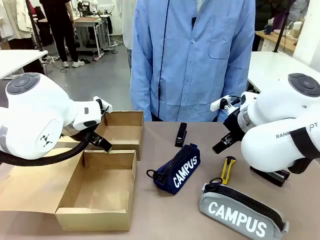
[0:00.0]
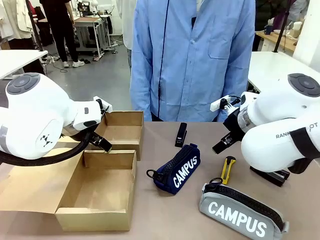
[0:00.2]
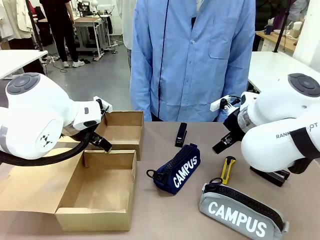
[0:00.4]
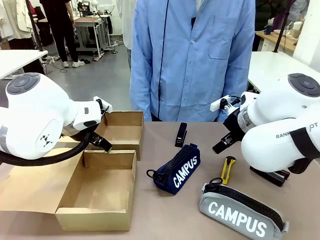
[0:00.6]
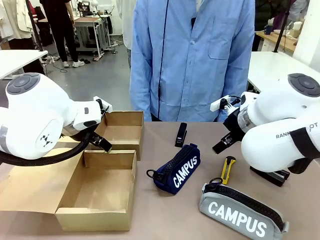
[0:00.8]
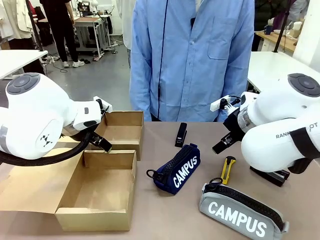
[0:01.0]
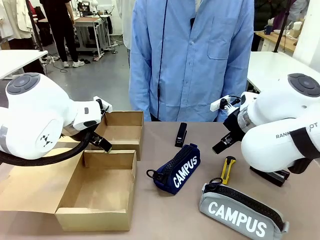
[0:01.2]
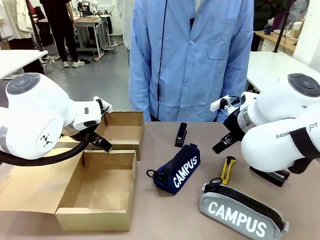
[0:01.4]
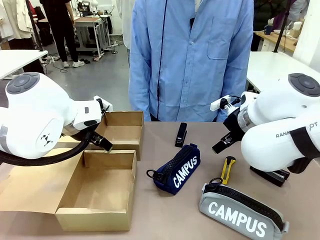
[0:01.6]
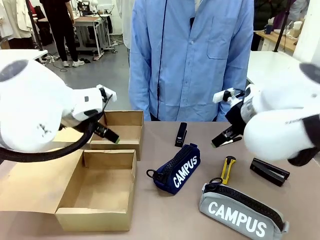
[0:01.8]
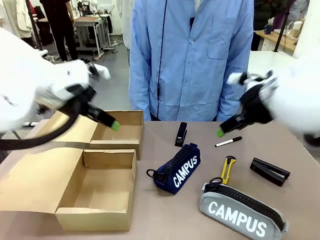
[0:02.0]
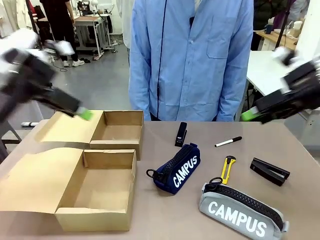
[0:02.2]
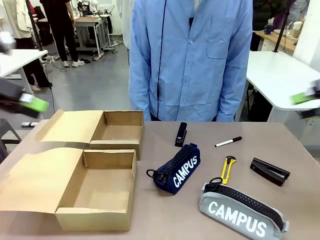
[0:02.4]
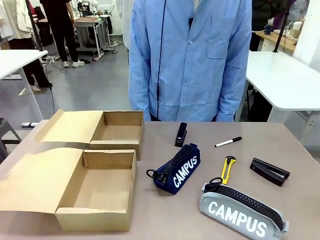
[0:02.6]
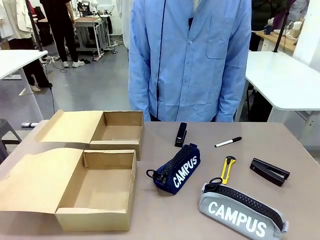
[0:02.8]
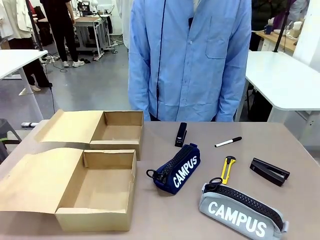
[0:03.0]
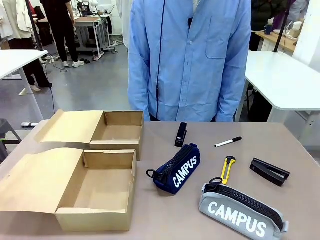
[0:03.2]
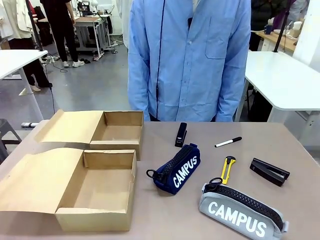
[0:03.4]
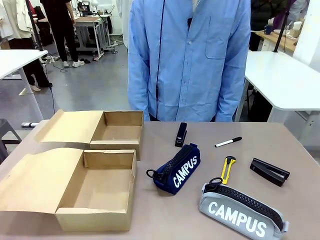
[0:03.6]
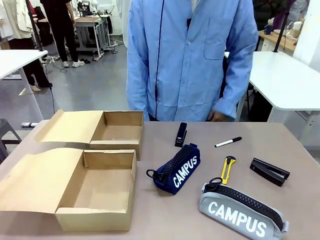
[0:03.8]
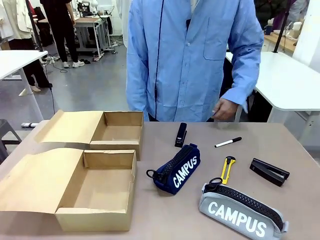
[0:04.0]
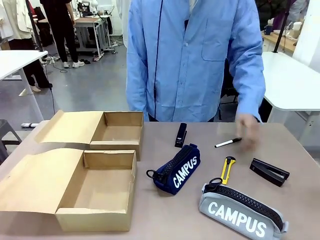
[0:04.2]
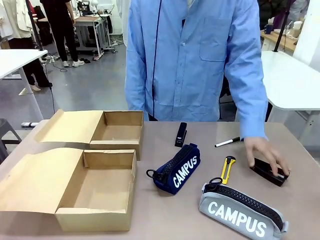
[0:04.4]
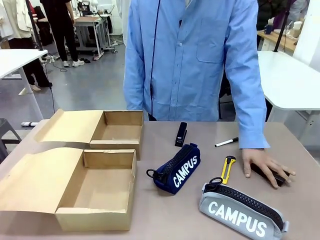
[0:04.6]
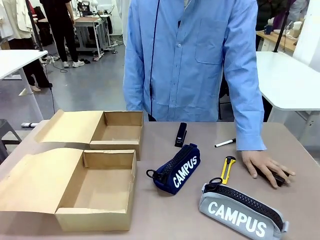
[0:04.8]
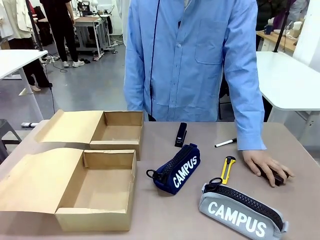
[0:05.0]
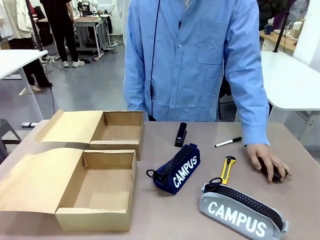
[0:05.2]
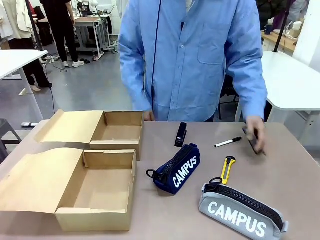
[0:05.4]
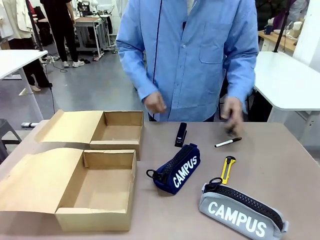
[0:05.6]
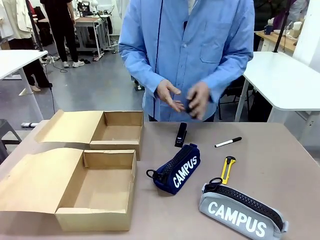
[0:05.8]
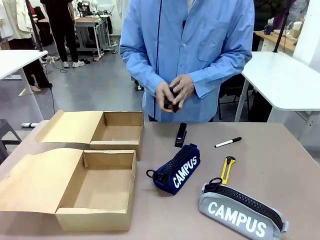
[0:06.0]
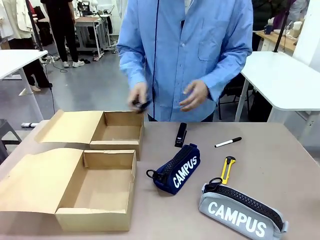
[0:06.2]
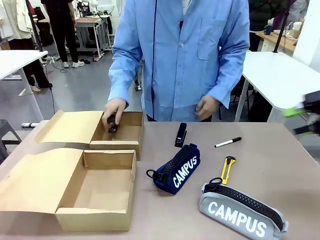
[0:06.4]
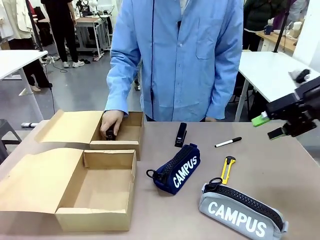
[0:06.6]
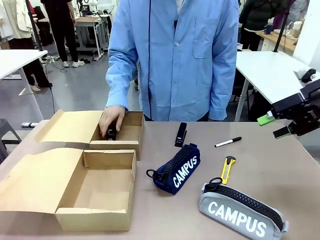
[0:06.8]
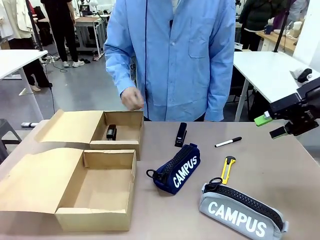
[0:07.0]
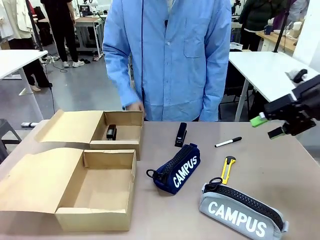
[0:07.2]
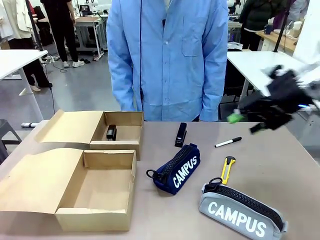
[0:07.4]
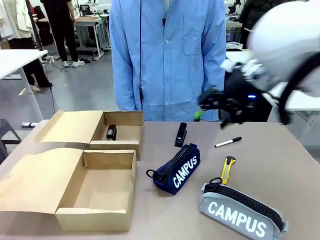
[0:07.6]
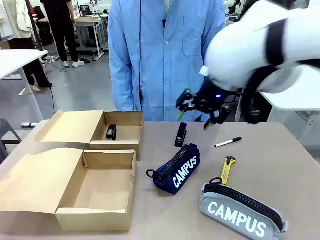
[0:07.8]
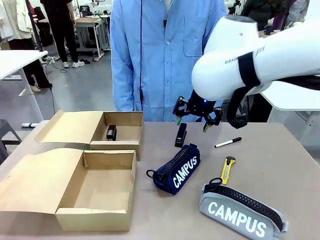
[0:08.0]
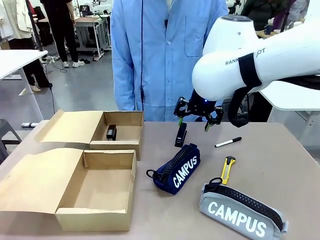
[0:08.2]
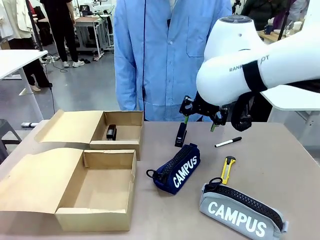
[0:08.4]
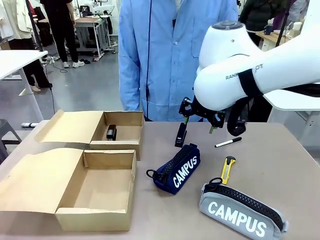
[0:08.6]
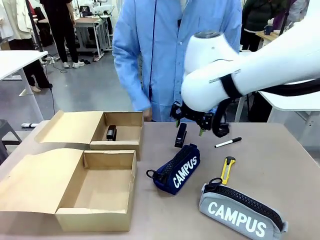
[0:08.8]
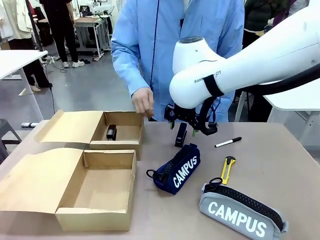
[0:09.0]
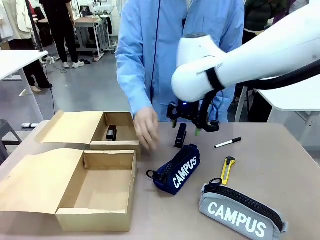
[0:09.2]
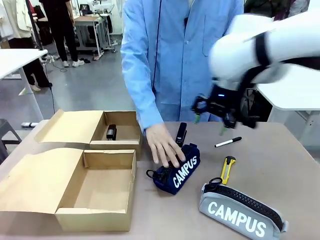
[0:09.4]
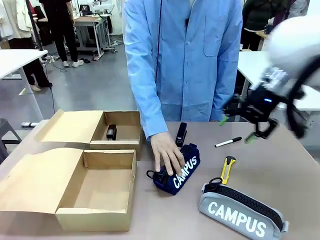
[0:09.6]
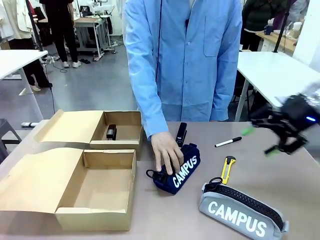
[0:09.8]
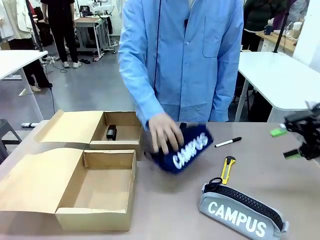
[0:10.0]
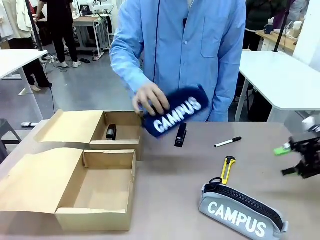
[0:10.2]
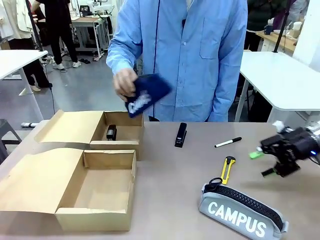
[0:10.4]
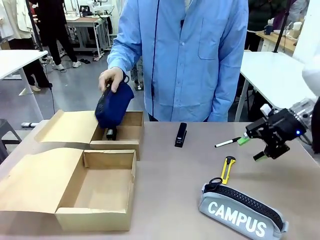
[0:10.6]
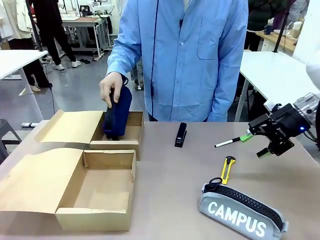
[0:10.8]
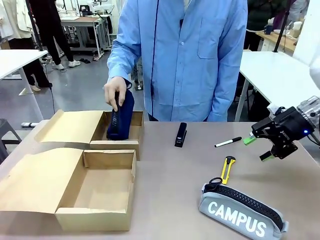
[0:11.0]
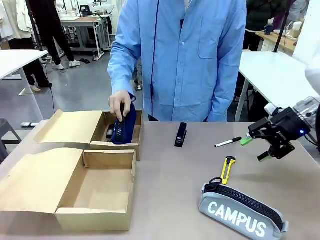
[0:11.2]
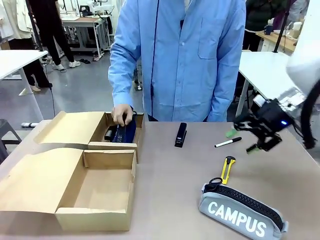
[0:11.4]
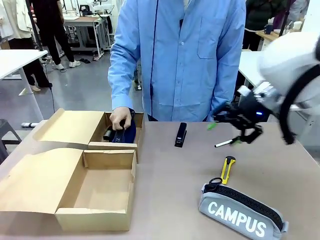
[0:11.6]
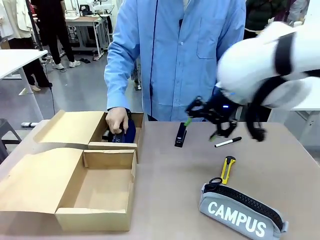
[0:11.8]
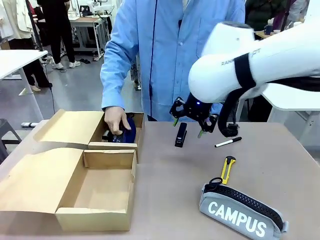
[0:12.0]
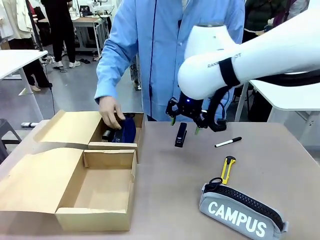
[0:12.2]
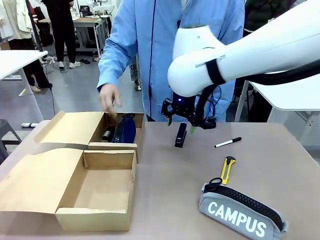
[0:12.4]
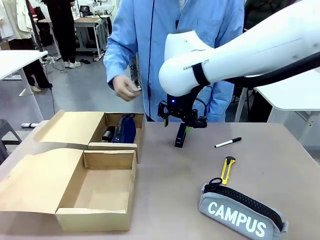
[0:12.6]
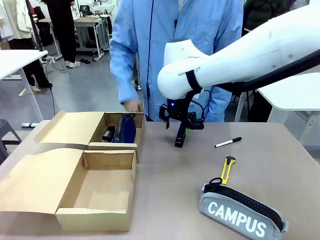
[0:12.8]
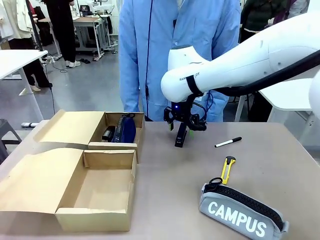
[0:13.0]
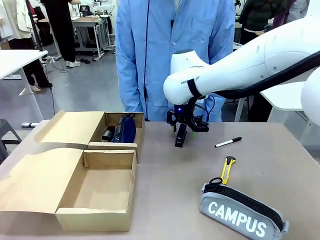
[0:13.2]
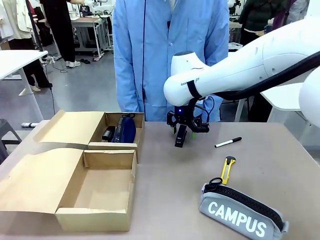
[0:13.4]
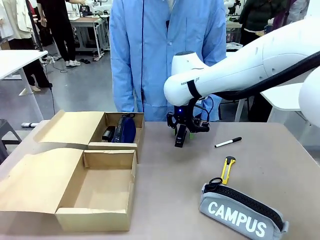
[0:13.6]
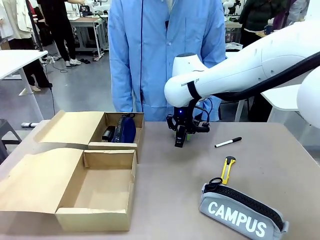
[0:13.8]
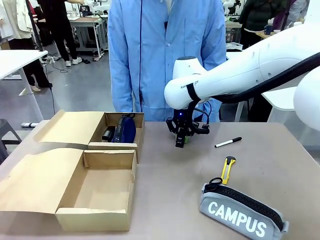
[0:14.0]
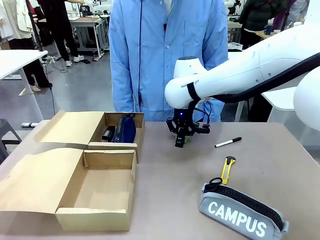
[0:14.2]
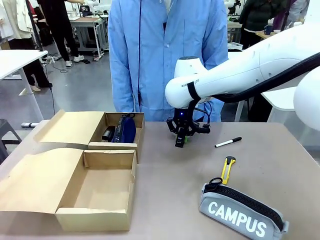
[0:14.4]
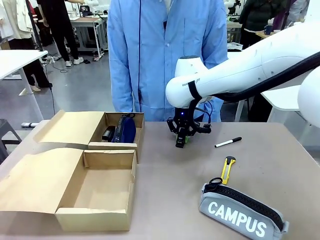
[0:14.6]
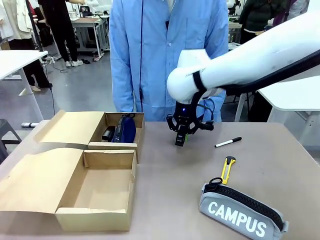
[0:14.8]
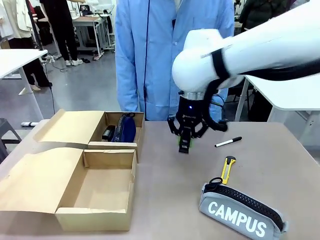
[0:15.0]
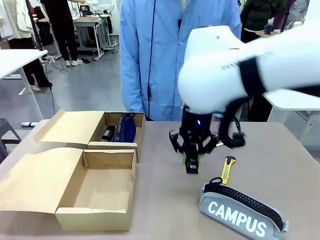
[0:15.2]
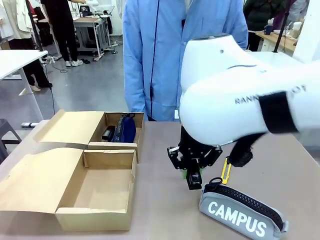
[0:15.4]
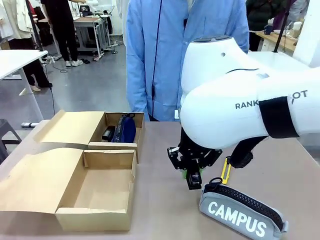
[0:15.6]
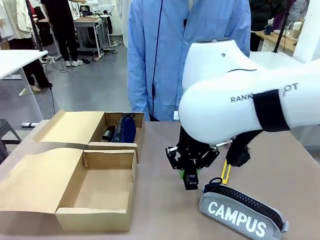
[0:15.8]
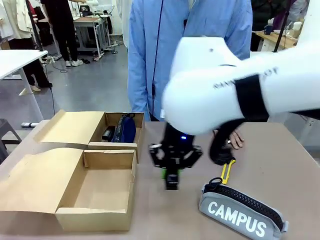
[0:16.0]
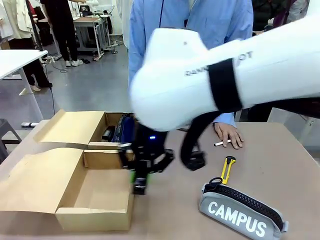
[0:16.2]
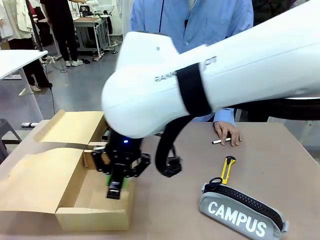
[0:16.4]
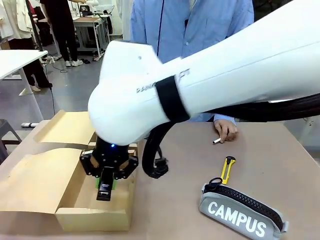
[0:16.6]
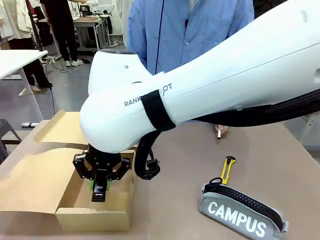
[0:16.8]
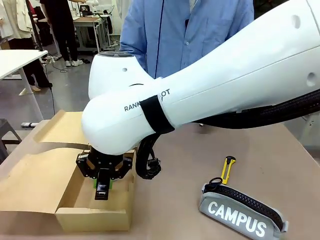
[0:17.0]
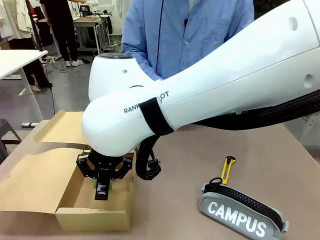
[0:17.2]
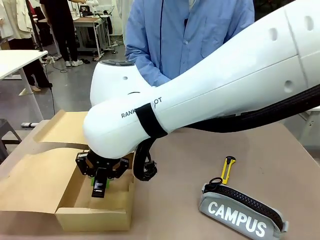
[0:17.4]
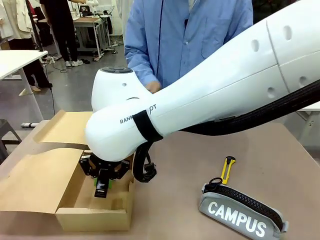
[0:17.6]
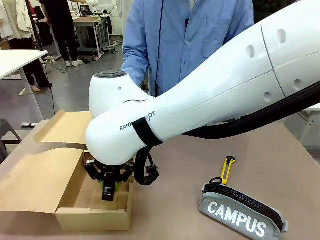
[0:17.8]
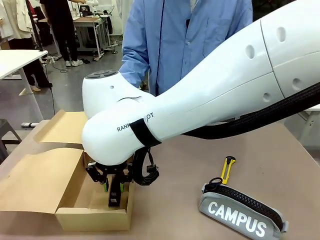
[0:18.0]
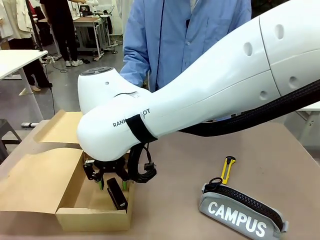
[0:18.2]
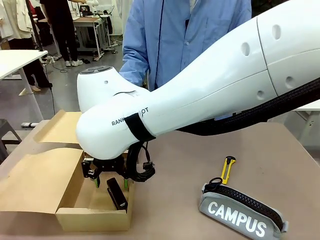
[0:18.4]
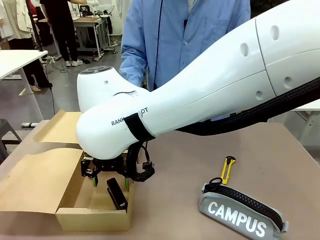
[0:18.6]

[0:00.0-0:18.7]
Task: Place items inside the box.
Robot: Pick up a Pencil pouch or Stapler and place it inside the Mailer Box closest to the robot.
Person: Pick up an object on the table and put it in the box.
